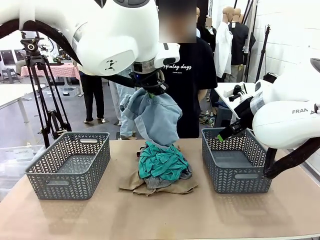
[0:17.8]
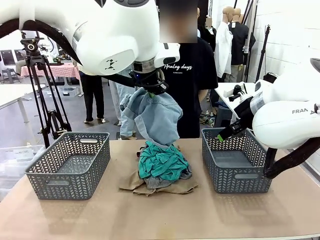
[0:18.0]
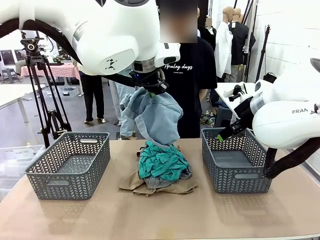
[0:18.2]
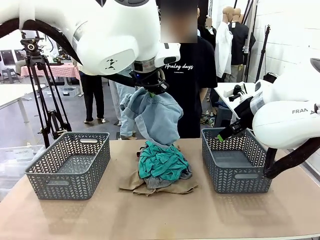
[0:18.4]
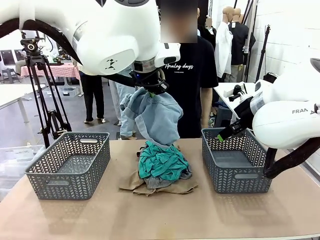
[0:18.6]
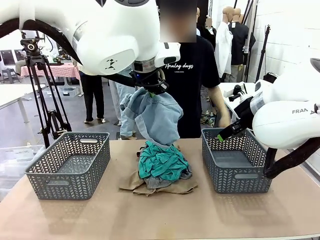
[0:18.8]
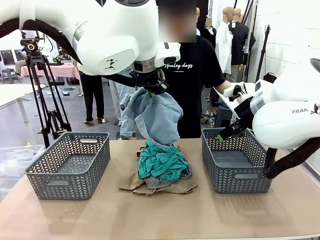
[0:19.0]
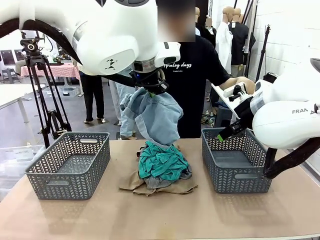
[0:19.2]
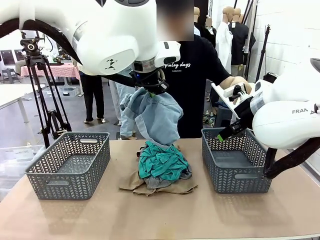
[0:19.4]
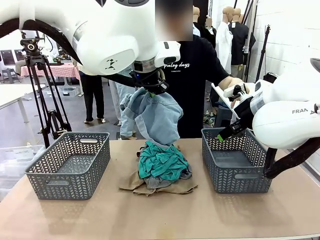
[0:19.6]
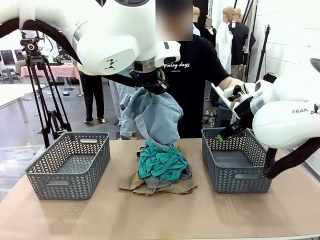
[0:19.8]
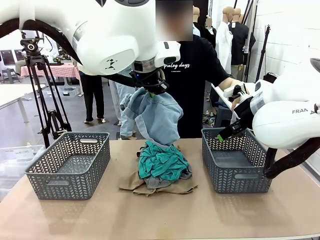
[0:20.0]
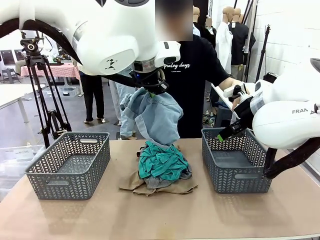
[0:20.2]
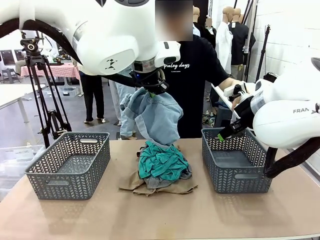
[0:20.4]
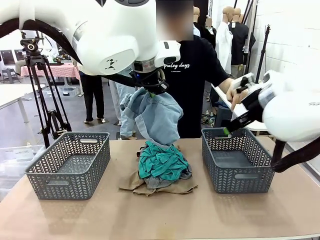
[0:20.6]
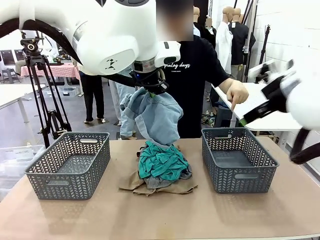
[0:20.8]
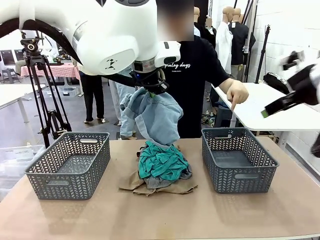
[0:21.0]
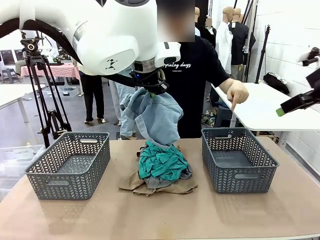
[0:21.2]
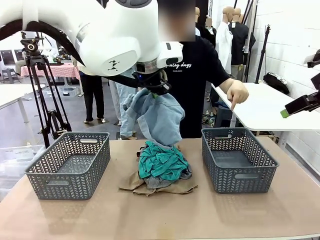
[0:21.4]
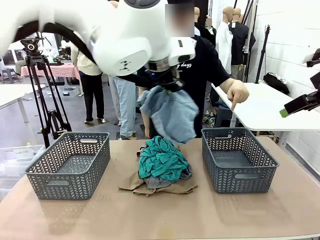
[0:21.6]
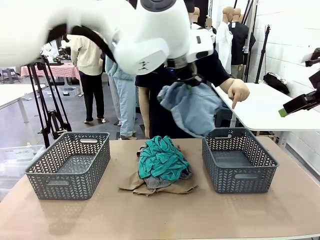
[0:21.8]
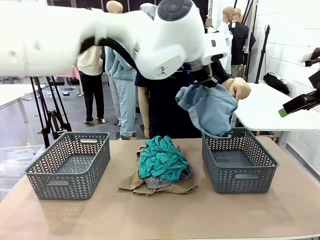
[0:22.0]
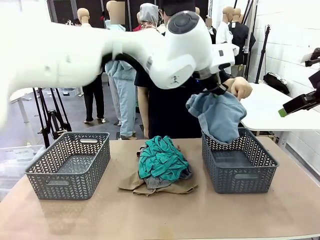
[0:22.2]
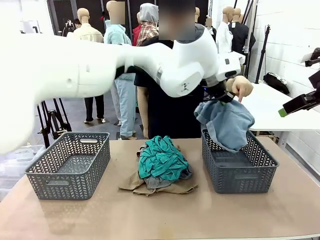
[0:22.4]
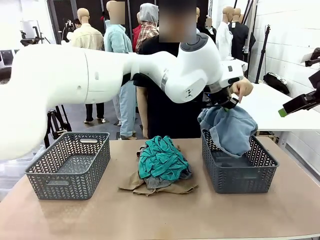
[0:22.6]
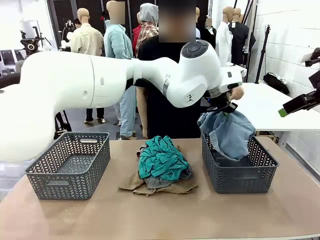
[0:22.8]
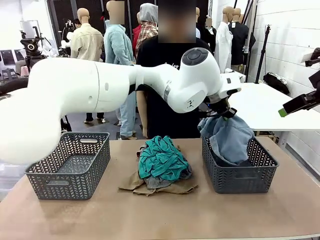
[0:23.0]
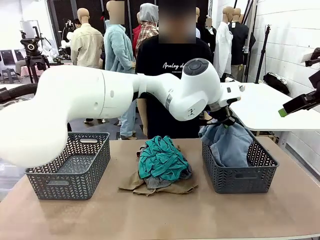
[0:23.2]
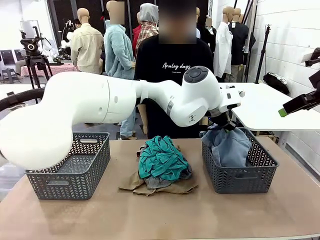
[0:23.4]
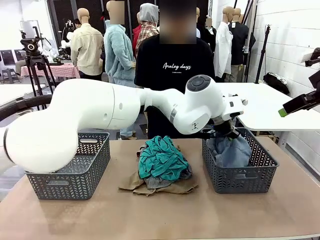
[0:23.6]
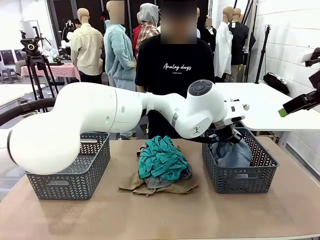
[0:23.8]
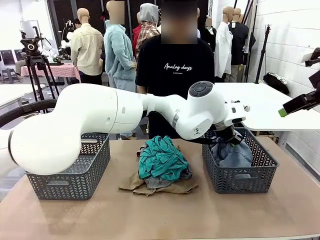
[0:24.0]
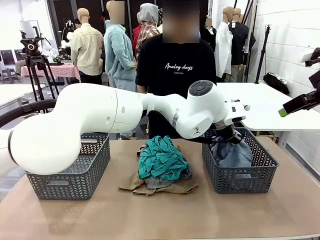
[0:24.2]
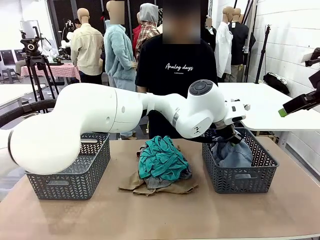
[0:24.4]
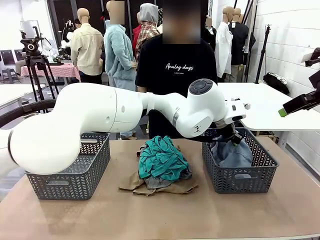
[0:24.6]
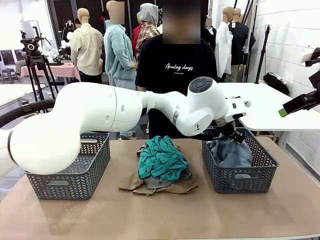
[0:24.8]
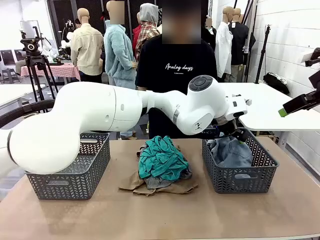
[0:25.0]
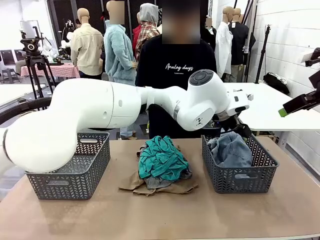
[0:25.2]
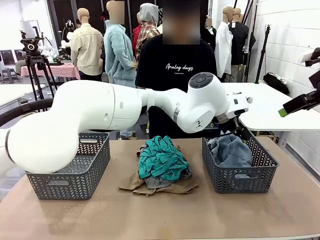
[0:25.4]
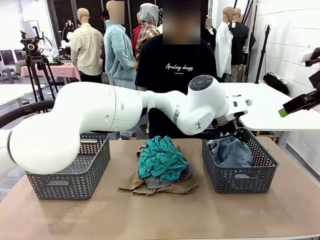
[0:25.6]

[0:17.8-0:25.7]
Task: Sort the tops and bottoms.
Robot: Sort the clothes according to human instructions.

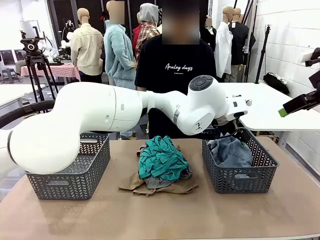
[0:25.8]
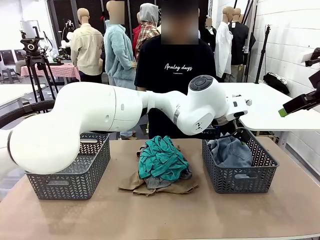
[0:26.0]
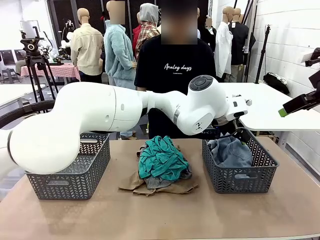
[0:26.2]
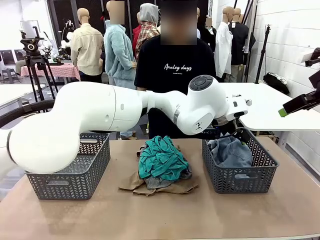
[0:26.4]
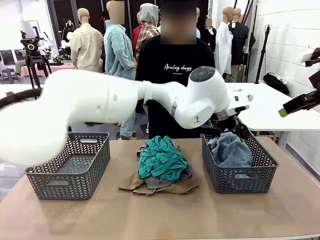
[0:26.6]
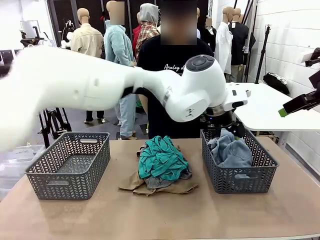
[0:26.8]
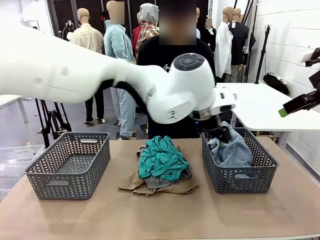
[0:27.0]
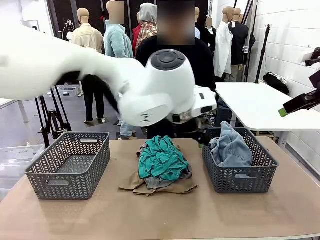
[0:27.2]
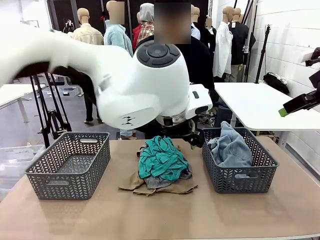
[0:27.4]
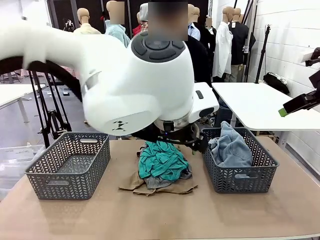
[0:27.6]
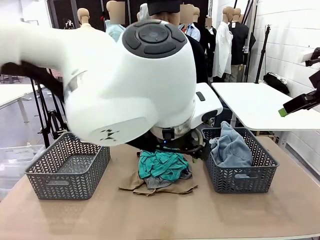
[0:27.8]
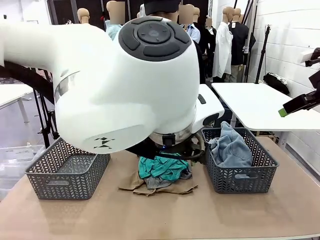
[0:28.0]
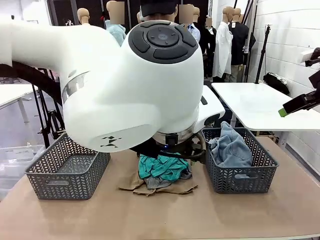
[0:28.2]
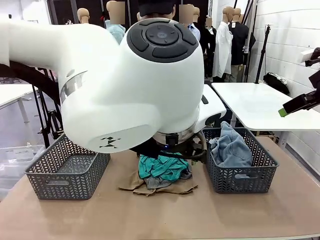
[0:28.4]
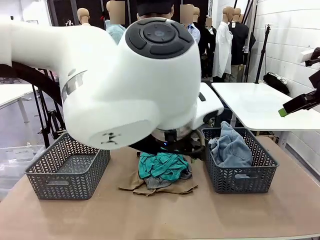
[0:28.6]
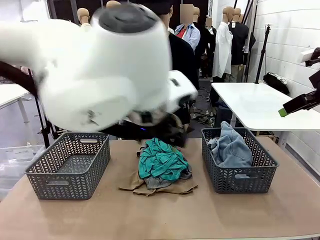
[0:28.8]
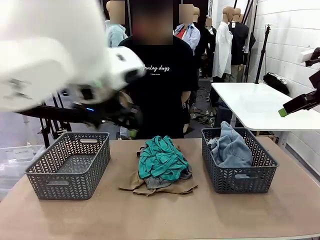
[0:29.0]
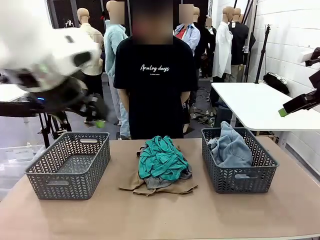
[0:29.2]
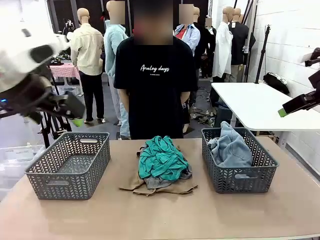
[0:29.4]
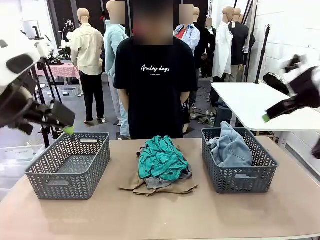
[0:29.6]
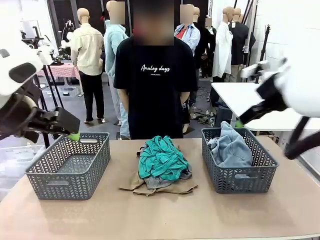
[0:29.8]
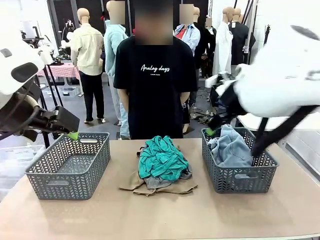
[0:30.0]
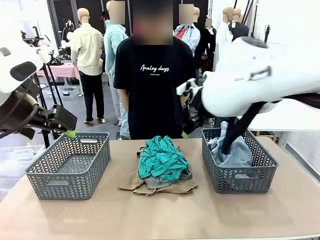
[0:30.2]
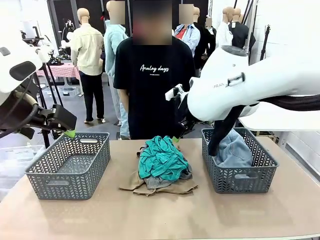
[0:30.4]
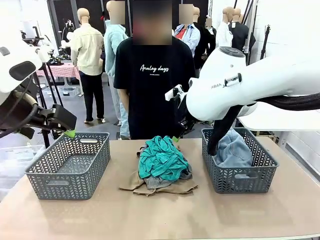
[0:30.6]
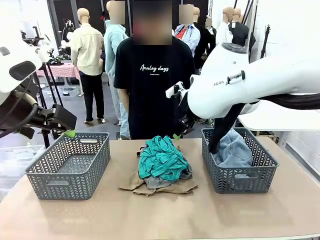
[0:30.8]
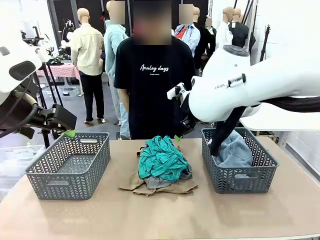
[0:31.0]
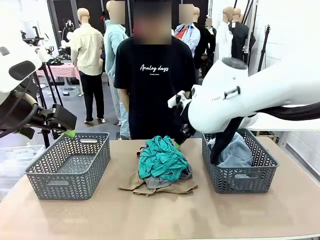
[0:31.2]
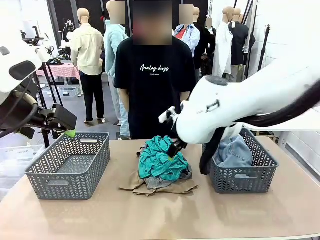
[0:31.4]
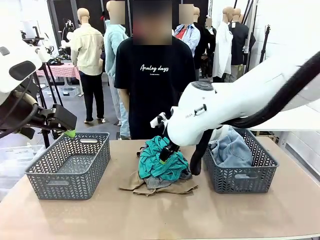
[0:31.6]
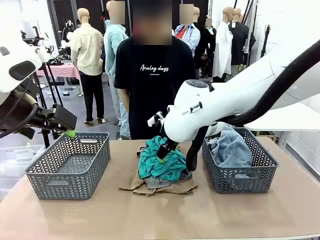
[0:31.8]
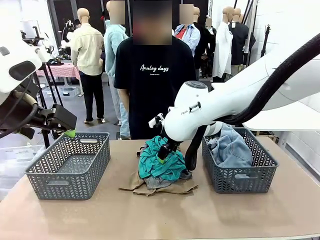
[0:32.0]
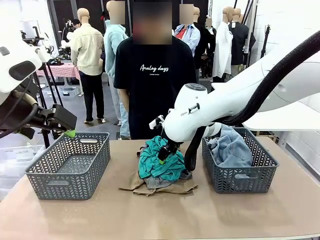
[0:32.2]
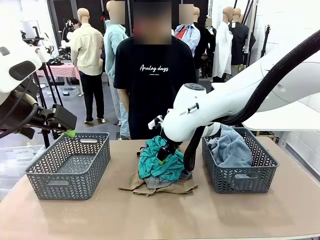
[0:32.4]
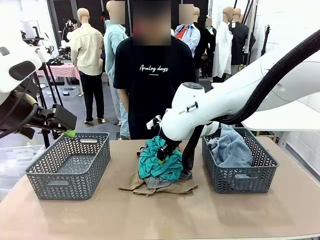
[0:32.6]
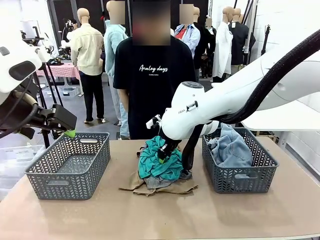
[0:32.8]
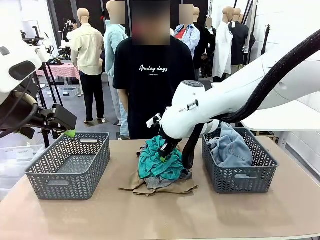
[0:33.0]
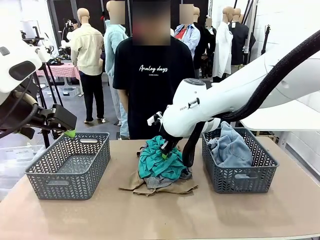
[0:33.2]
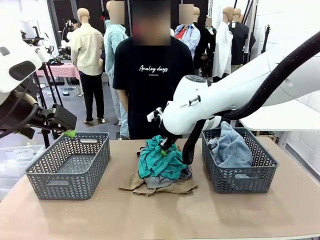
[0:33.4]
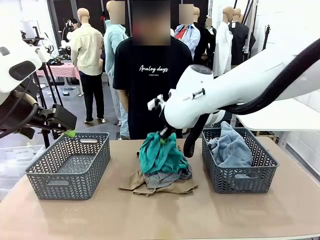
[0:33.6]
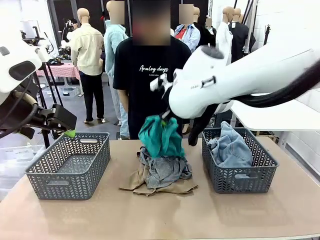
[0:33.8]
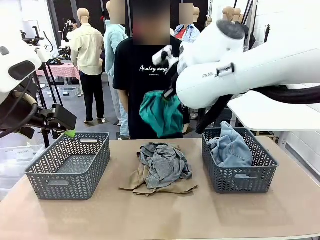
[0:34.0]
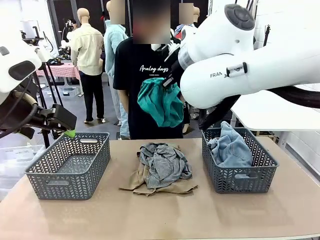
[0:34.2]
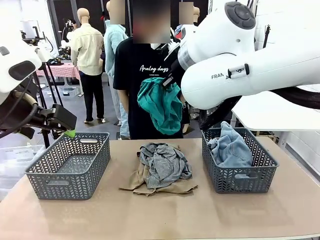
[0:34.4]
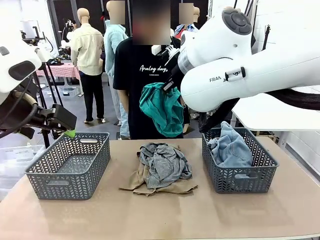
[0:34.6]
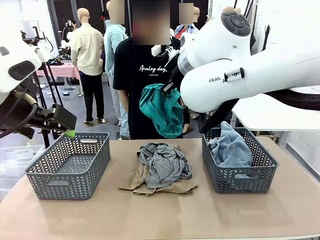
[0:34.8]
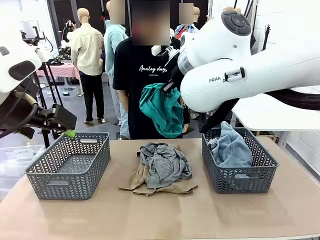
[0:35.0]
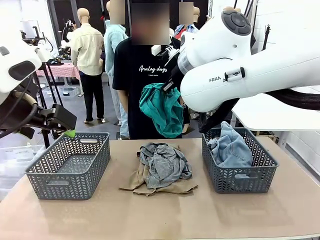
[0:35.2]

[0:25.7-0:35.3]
Robot: Lift clothes from the center of the table with your right hand.

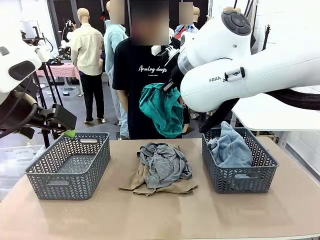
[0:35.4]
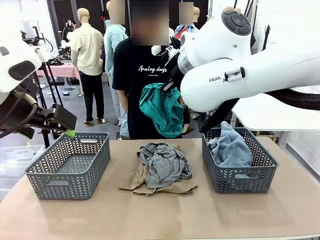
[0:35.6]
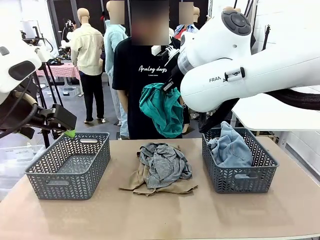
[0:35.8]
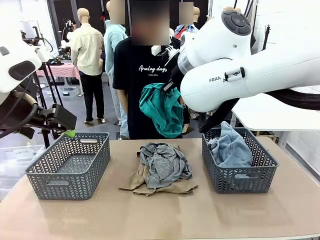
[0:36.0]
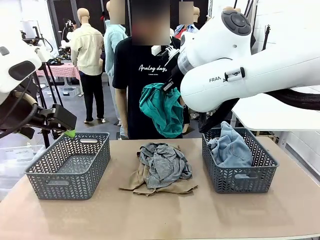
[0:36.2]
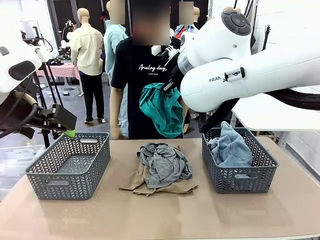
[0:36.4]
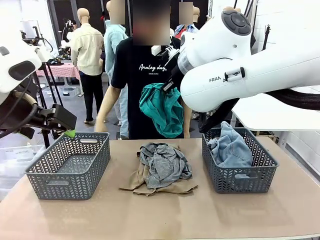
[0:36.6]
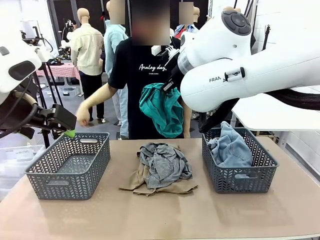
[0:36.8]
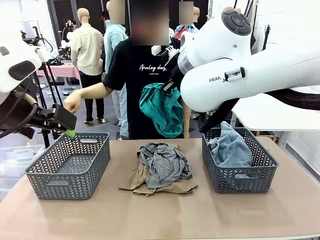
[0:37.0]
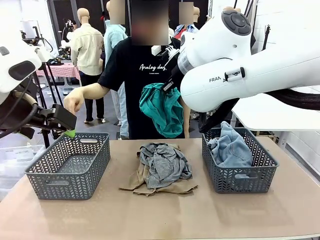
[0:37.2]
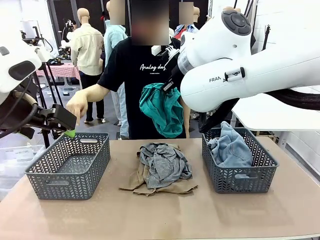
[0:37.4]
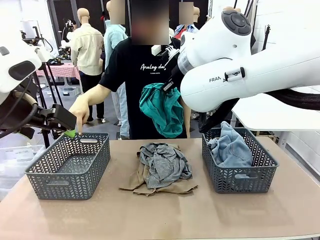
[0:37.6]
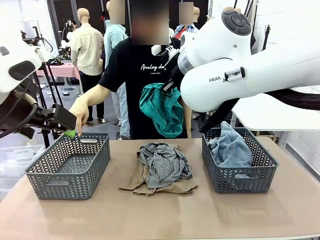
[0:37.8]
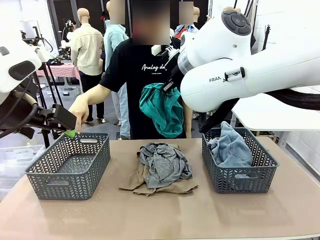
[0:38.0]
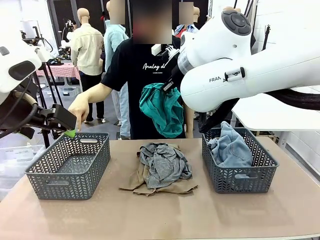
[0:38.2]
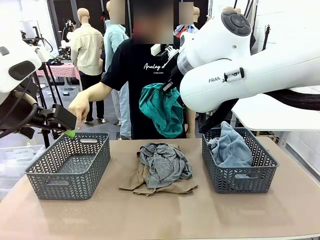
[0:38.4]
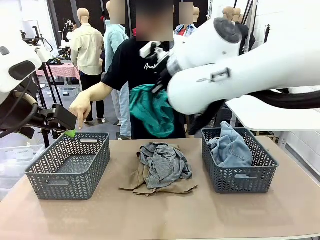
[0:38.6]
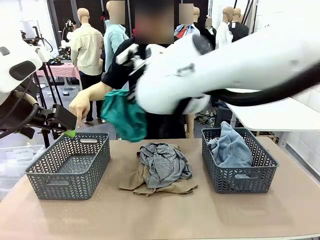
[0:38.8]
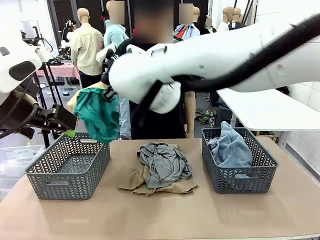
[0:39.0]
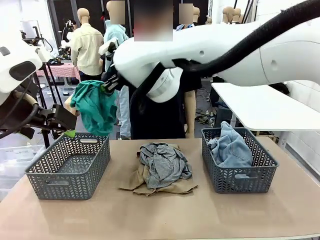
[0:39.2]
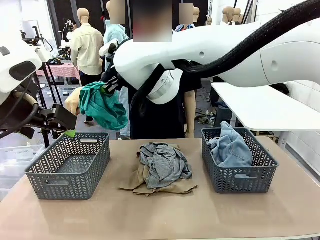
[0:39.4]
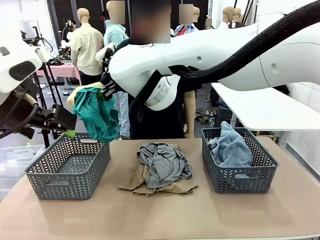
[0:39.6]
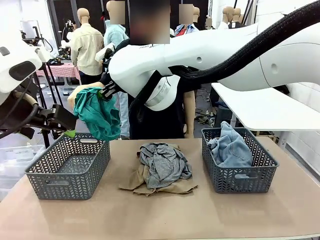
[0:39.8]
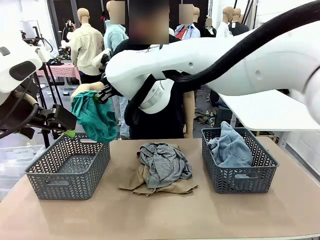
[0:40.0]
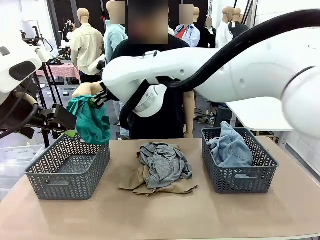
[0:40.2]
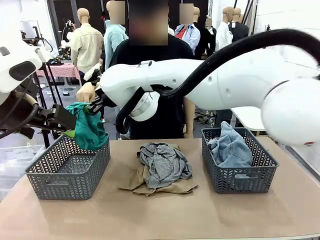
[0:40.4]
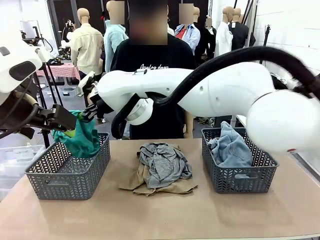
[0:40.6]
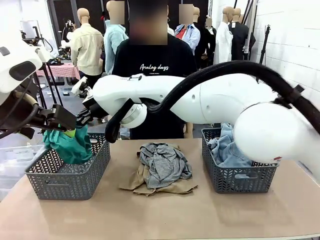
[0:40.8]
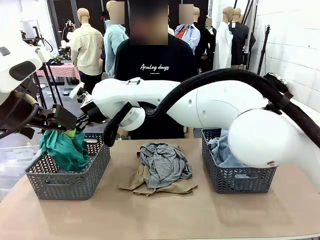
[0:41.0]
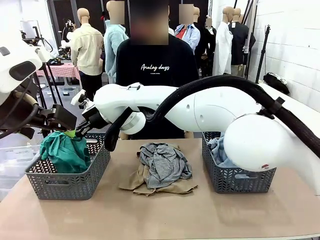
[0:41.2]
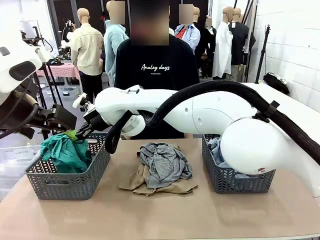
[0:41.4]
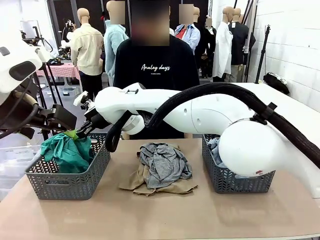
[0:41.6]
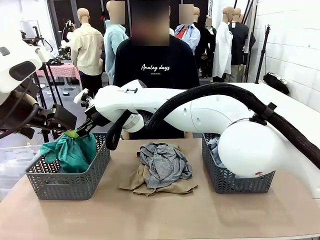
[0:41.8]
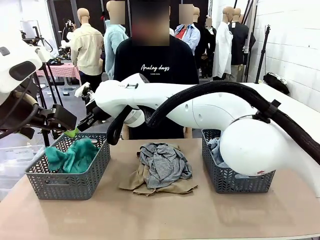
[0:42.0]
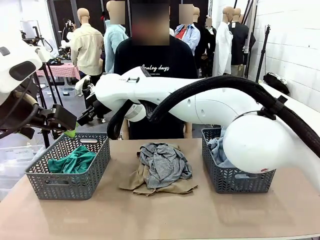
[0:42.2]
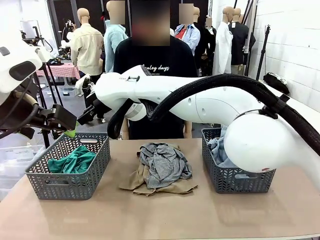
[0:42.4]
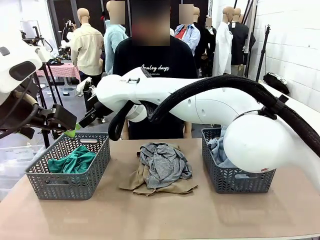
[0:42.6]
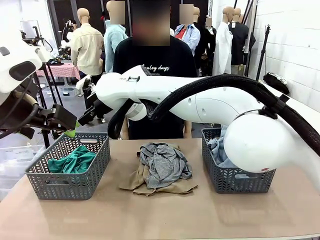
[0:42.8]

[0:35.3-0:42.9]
Robot: Sort the clothes according to human instructions.
